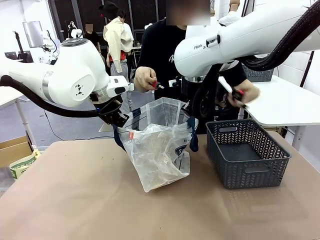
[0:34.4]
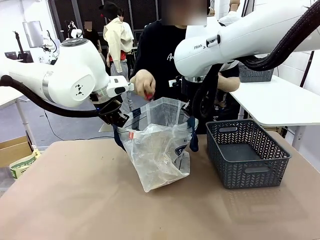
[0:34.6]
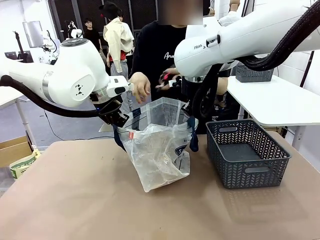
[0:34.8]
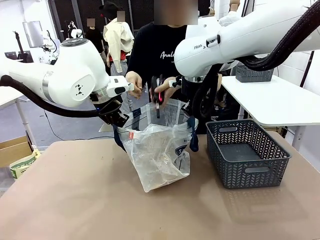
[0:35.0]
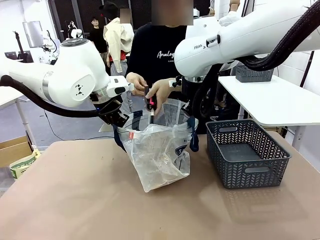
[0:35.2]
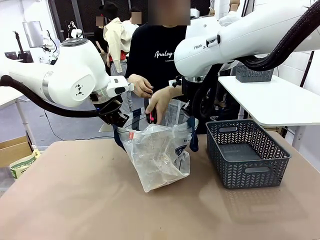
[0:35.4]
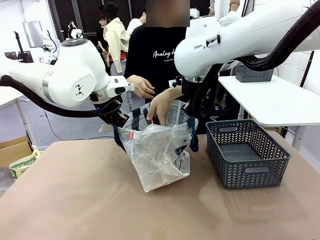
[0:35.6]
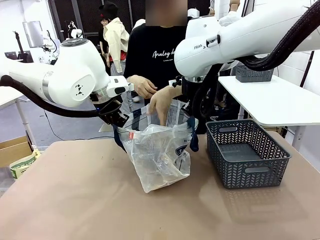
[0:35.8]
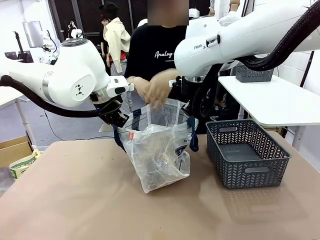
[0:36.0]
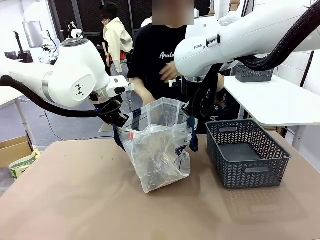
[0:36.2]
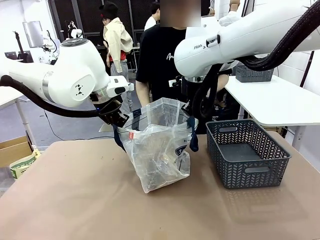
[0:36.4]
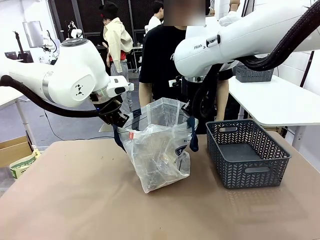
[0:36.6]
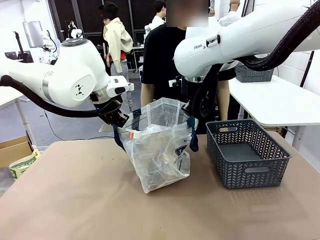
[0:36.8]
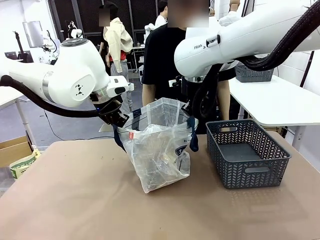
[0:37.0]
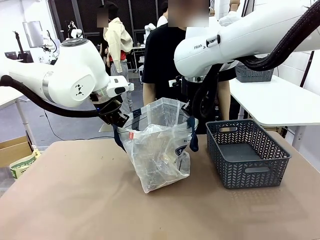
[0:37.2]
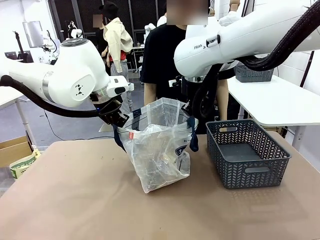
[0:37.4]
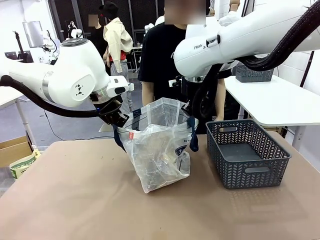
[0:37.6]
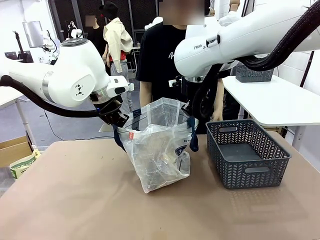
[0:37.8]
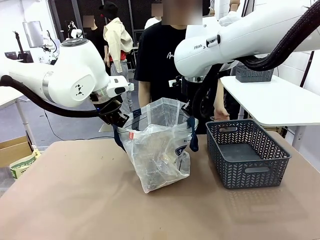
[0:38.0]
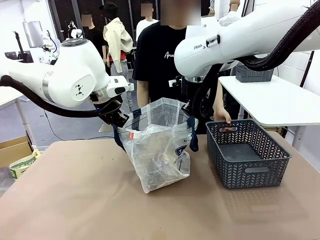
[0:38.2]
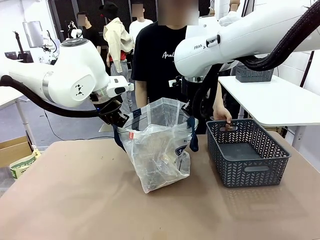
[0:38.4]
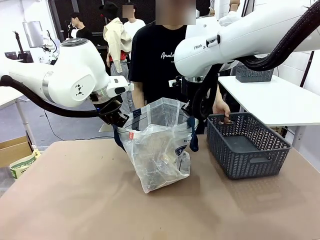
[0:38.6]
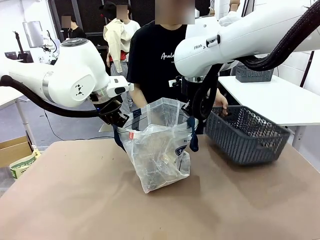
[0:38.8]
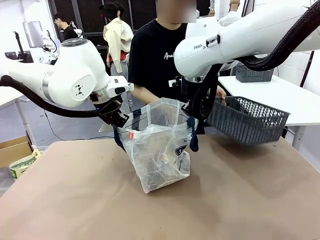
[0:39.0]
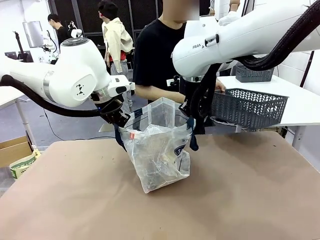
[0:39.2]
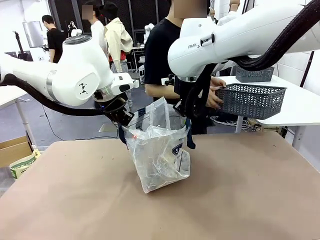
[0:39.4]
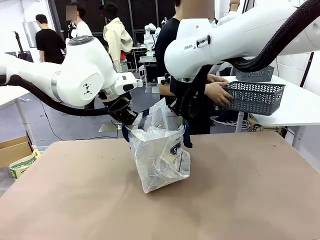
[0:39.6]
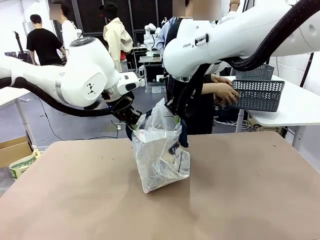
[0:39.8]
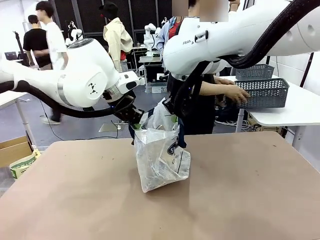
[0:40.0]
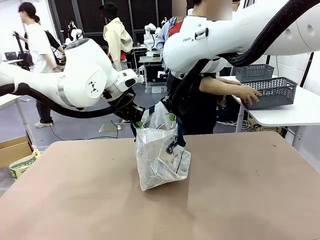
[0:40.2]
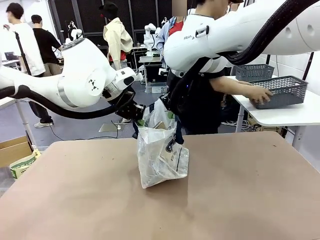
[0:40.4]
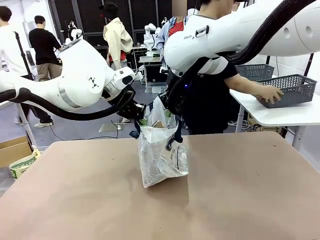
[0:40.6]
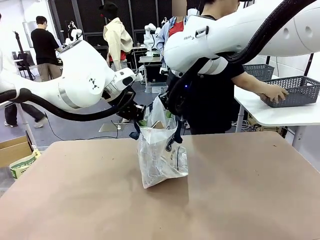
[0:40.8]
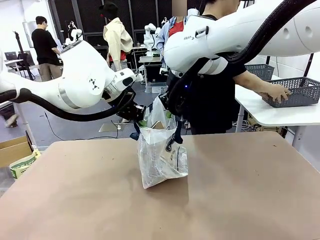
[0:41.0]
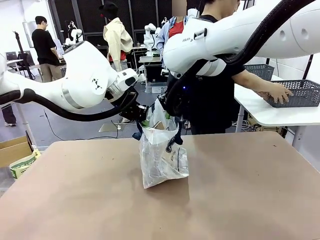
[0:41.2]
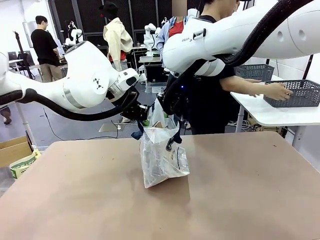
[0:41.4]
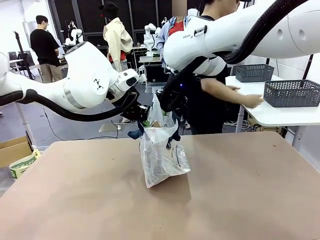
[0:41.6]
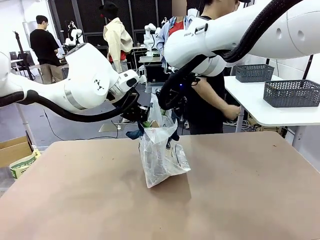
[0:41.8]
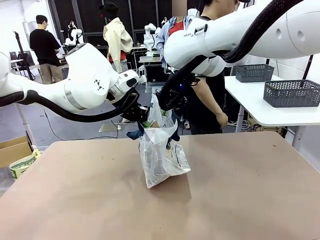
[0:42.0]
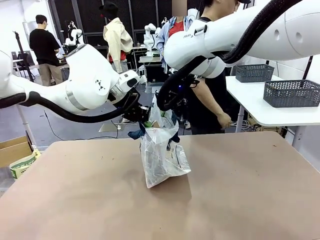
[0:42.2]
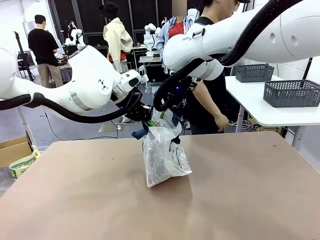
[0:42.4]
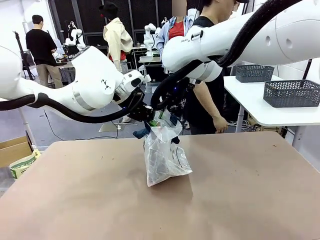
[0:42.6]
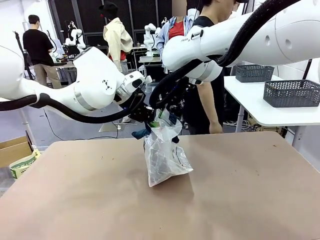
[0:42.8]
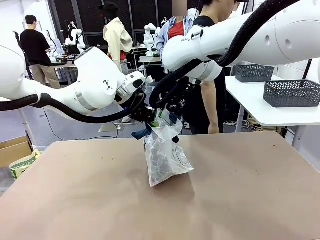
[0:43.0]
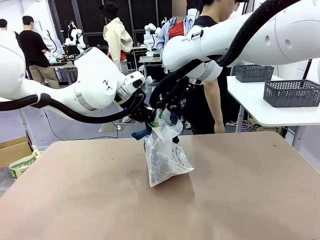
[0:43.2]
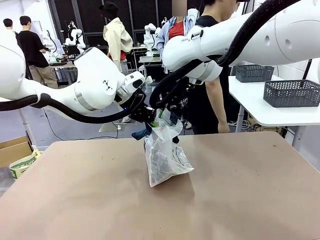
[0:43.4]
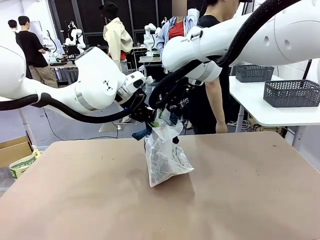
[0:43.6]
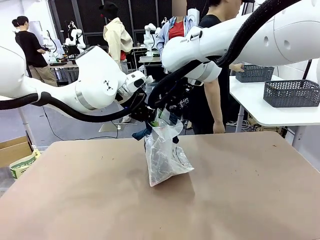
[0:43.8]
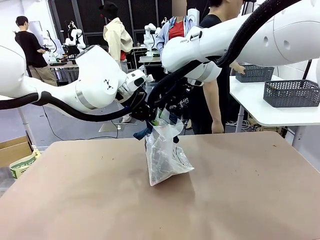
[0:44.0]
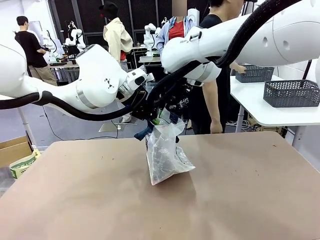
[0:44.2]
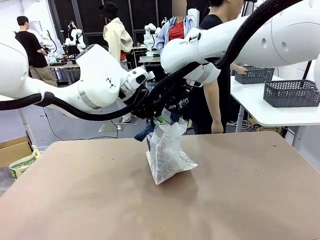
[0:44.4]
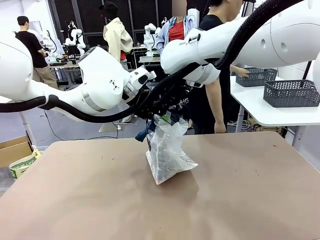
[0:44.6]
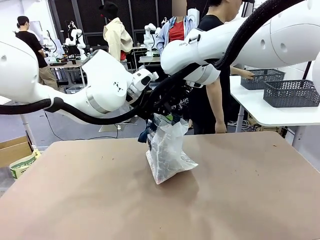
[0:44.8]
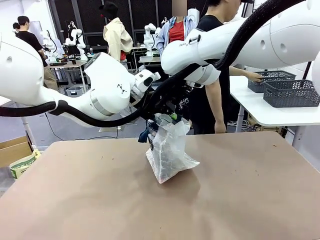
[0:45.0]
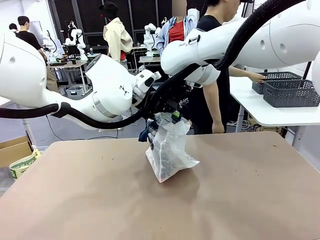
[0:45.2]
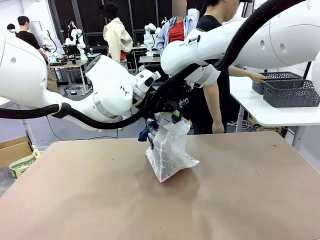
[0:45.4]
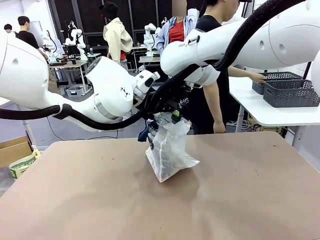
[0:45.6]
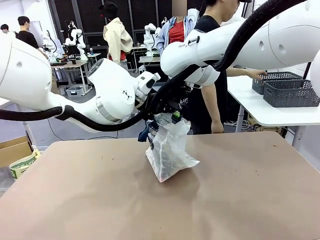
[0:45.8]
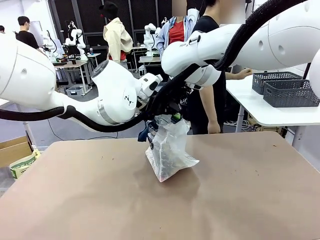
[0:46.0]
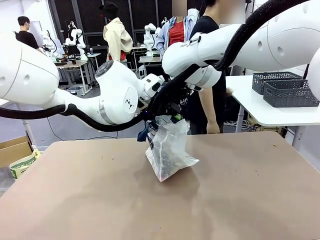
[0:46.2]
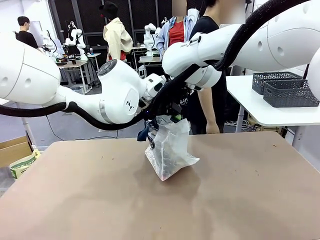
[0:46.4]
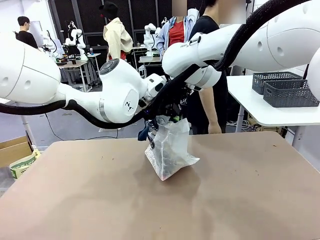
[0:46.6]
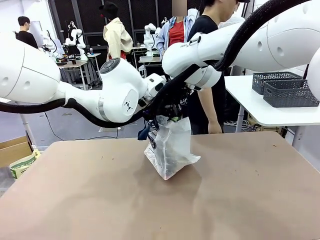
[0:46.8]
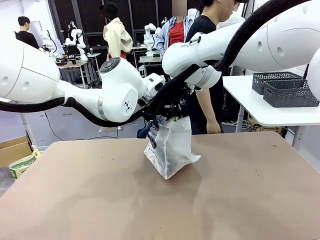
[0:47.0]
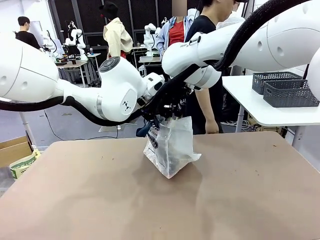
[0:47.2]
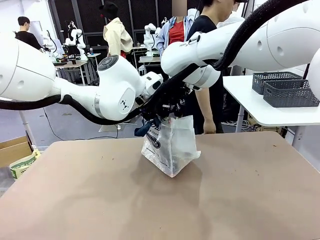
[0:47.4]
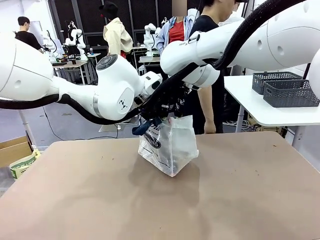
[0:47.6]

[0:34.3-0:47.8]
Task: Transfer purchased items from the store into the shopping bag.
Robot: Move the Reusable shopping bag to the right side of the table.
Person: Pick up the basket with the items out and place it on the right side of the human table.
